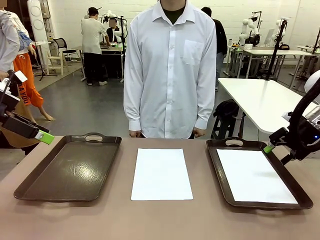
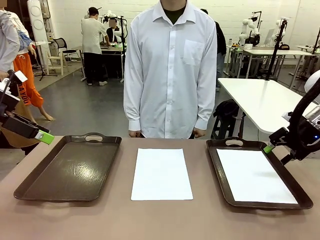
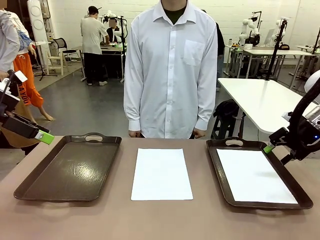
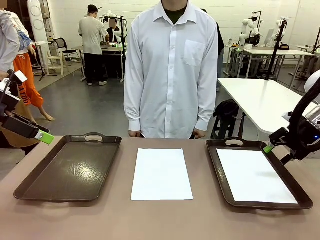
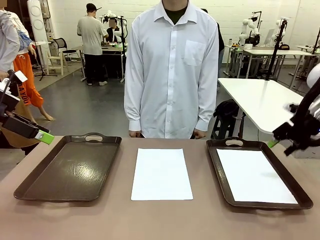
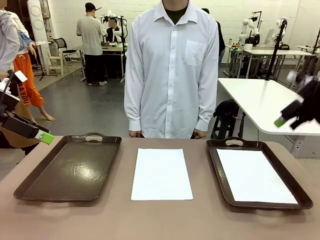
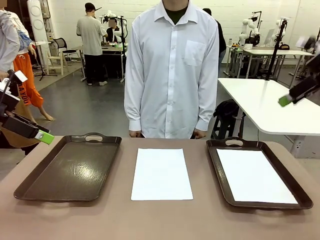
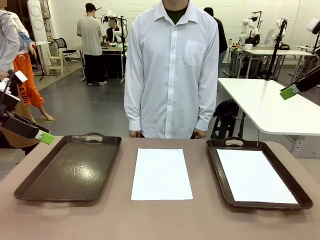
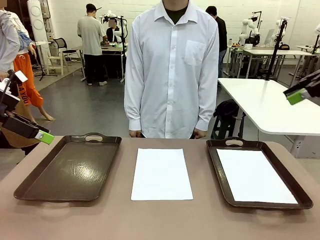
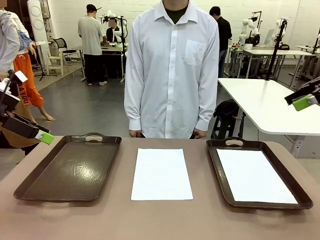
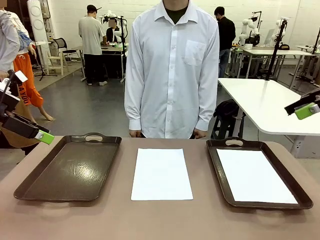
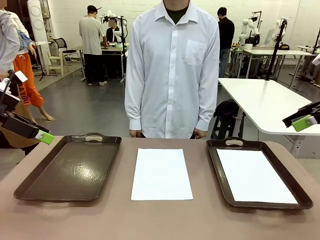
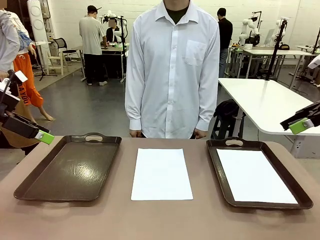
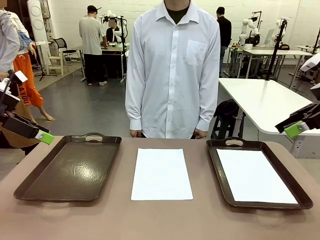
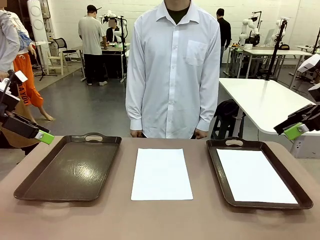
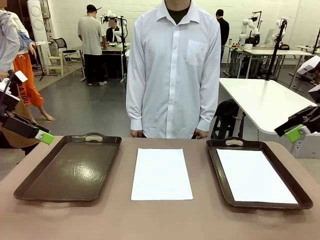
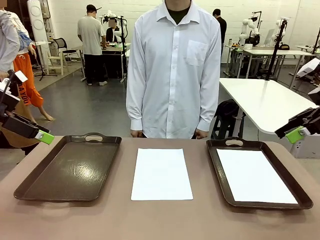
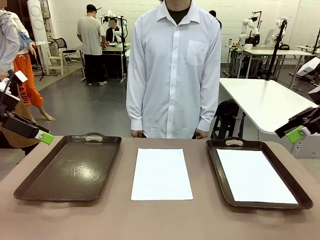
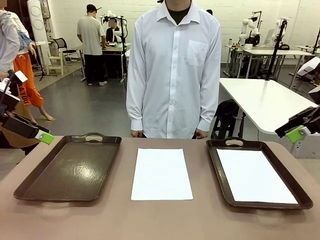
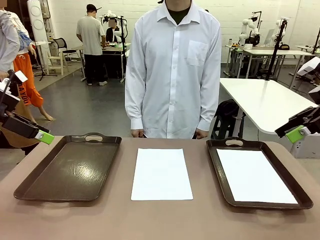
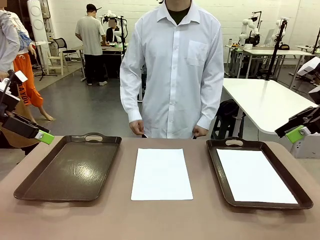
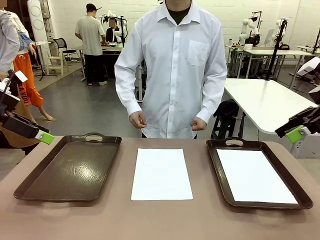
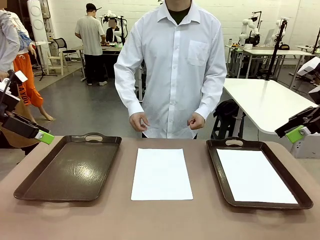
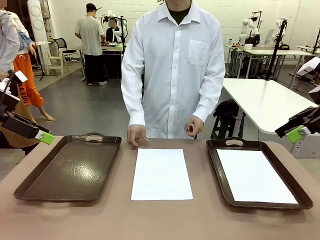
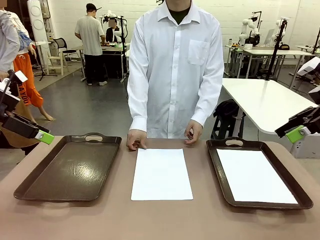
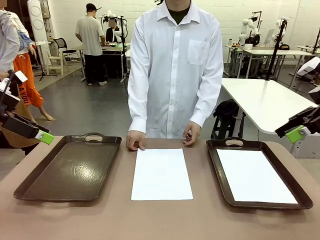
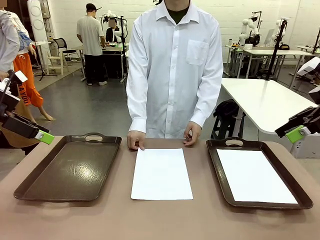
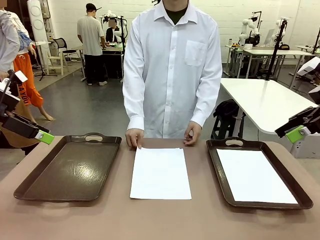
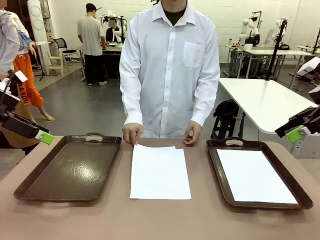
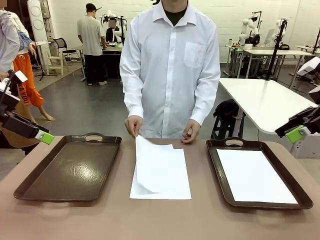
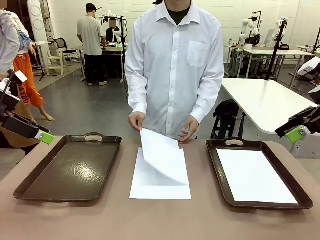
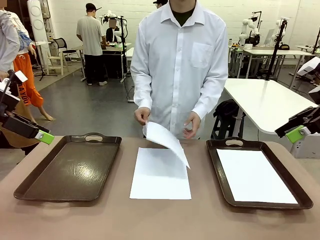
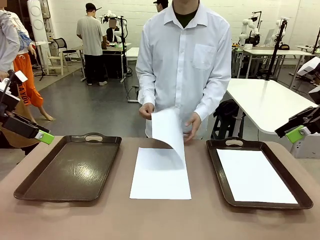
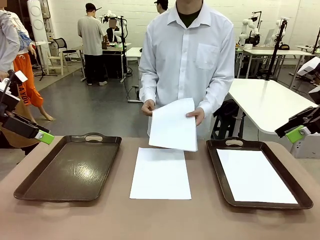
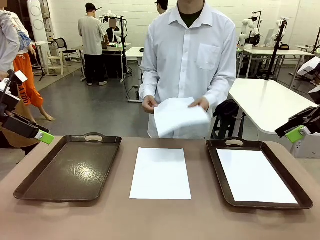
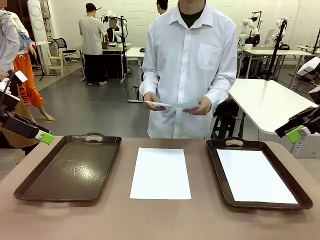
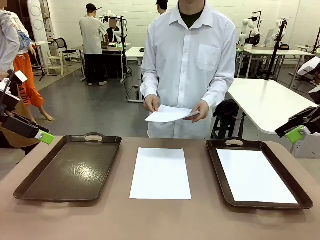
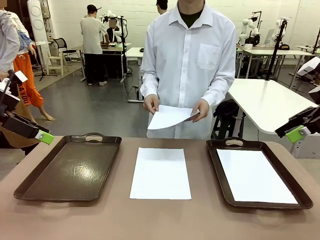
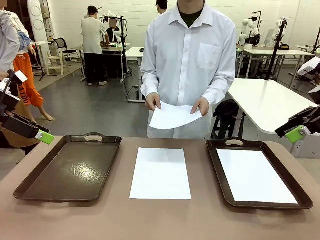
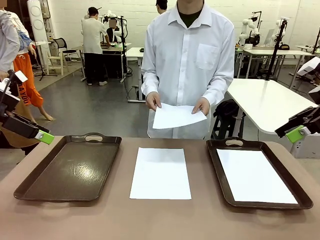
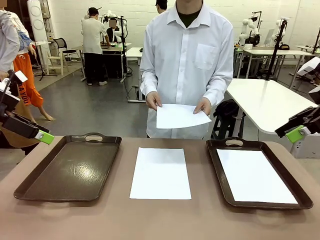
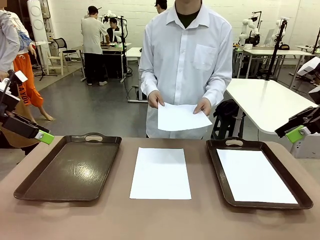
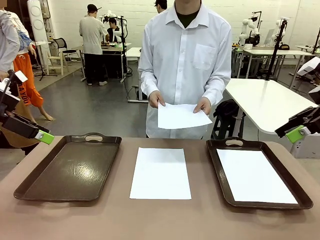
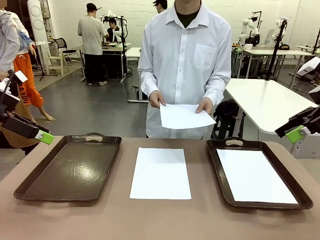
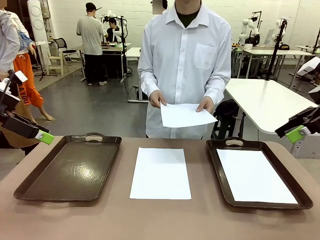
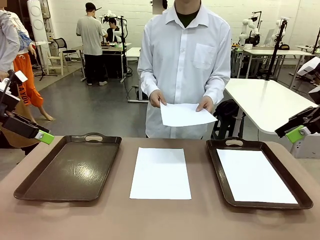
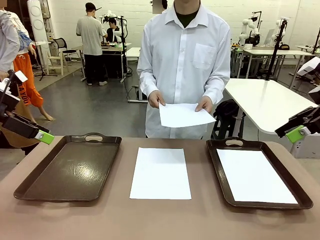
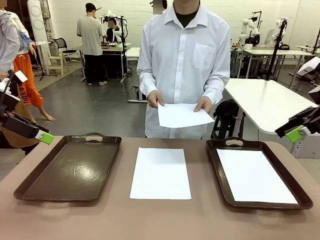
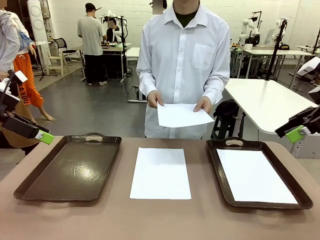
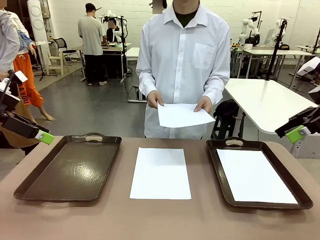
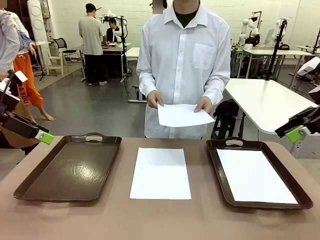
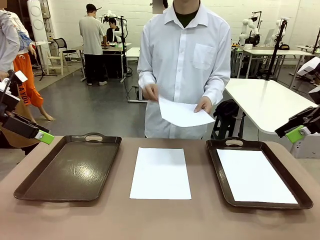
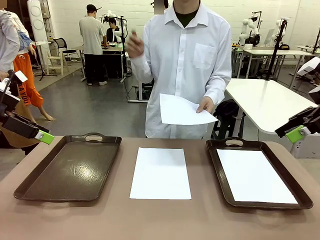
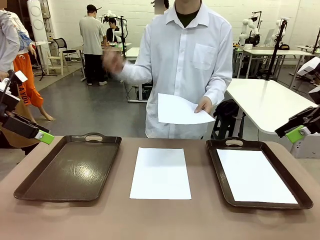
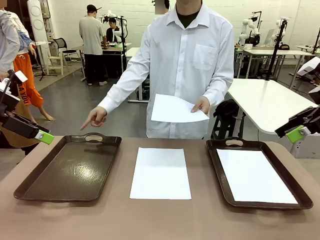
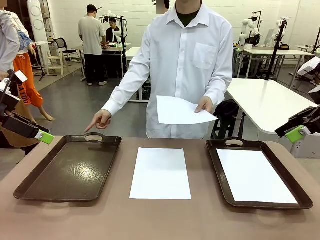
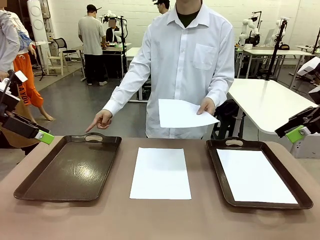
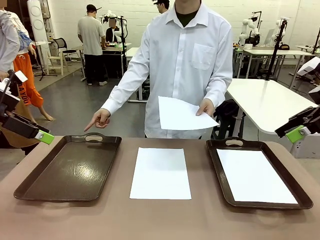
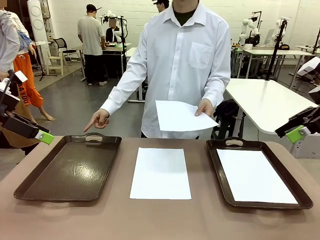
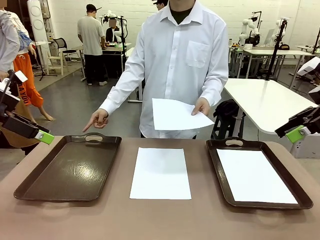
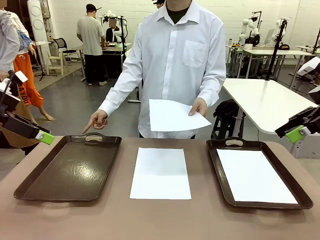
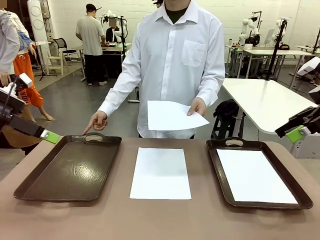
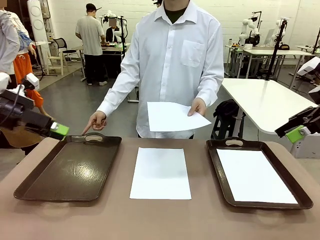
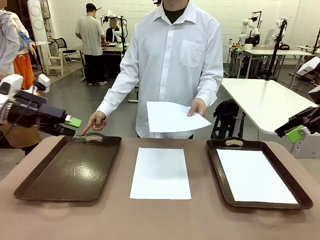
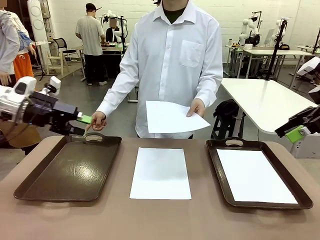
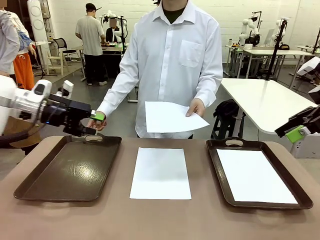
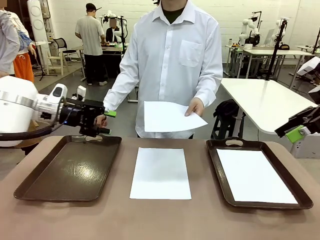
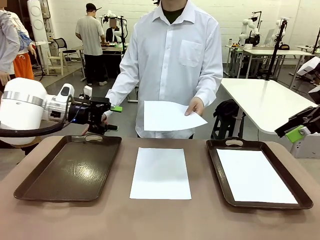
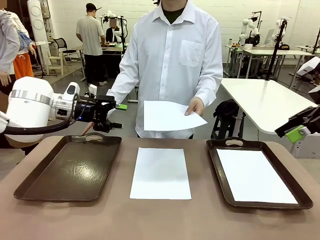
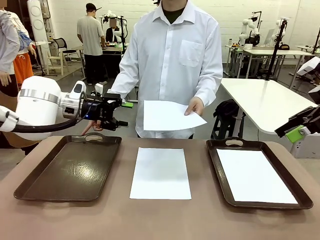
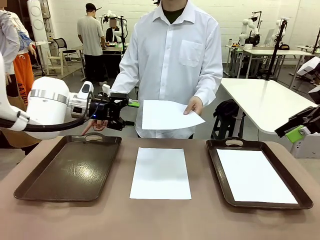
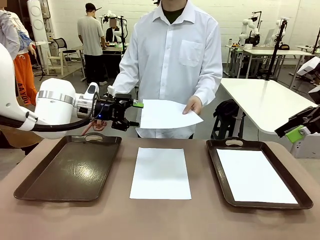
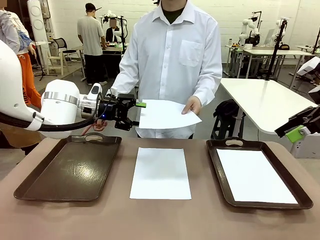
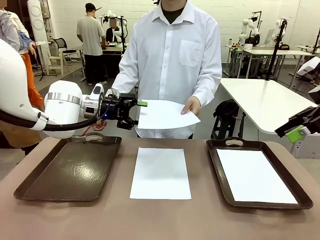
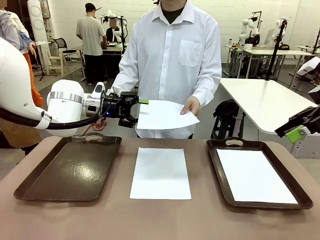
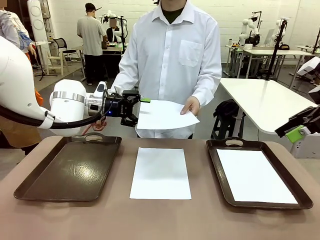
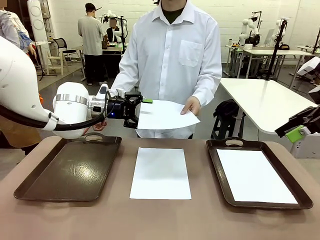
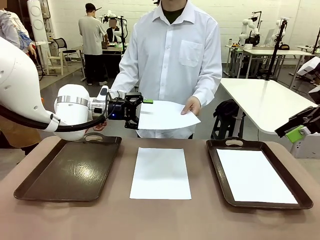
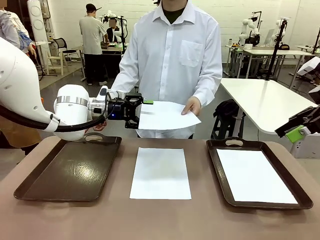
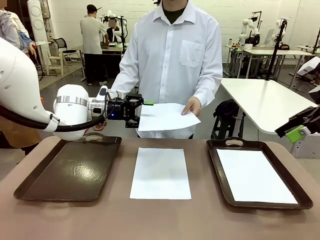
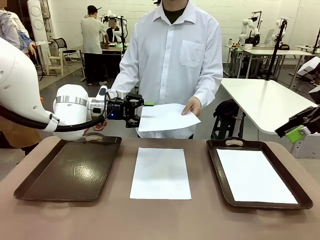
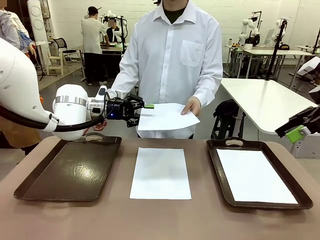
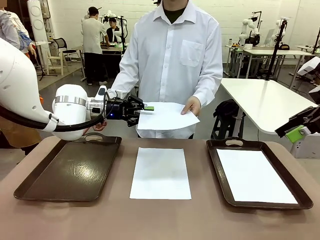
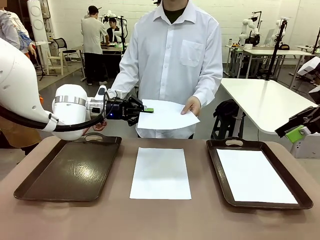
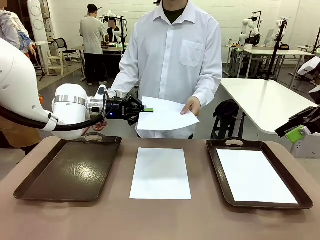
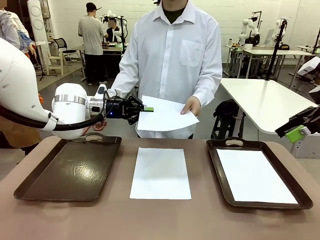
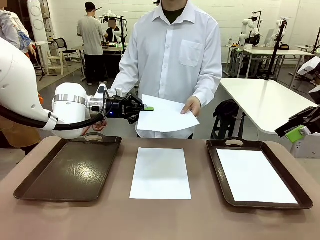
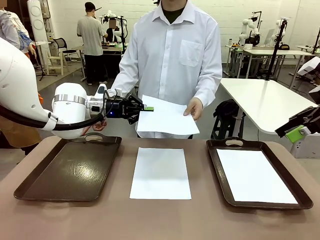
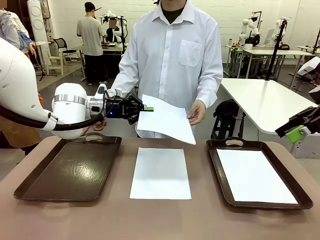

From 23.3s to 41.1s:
Task: Sort the A4 documents.
Robot: Receive the A4 Paper.
Person: Point the randomly selected tray with the other hand.

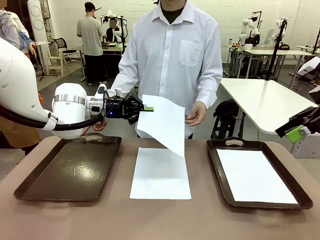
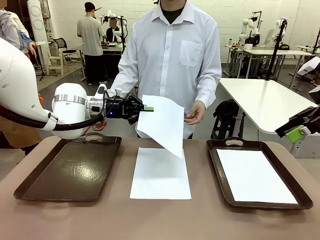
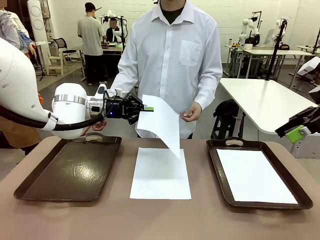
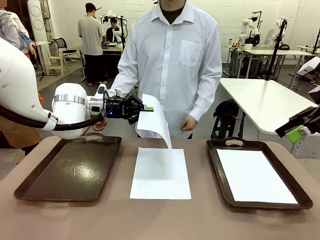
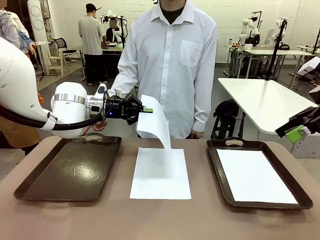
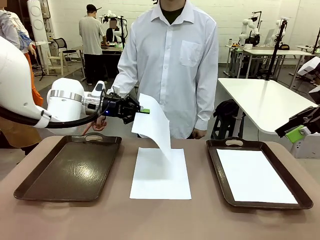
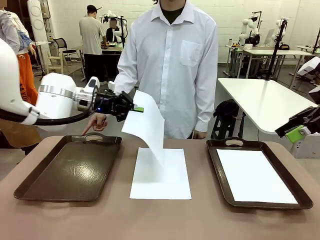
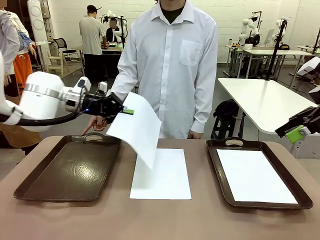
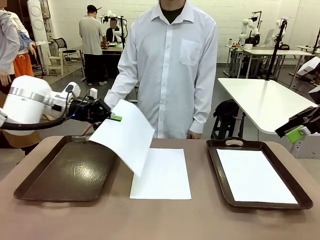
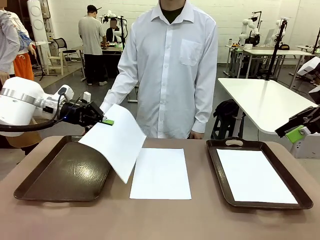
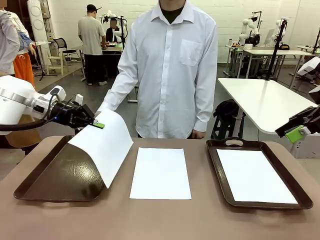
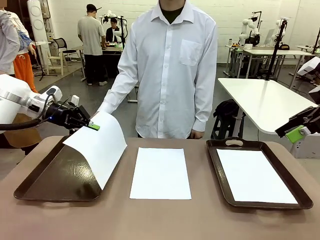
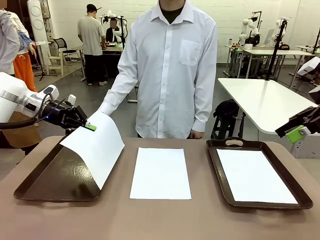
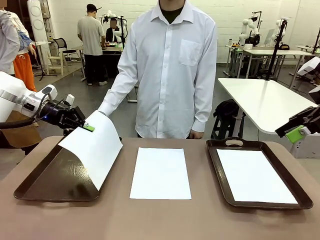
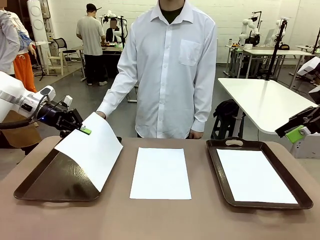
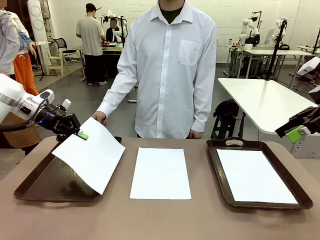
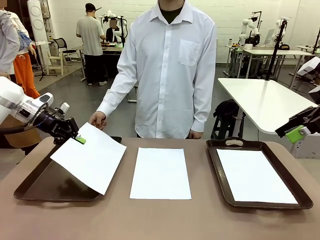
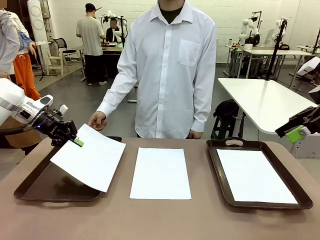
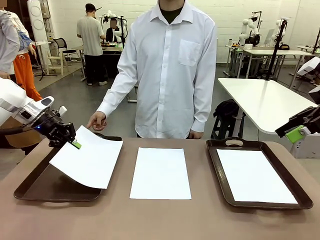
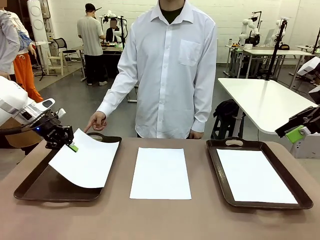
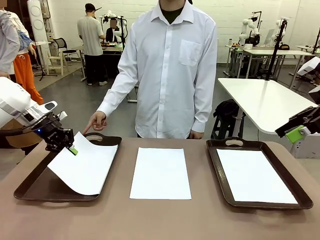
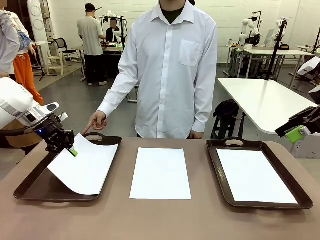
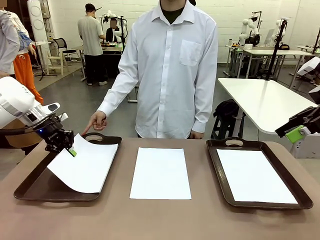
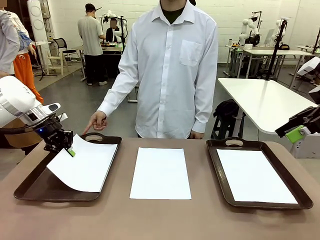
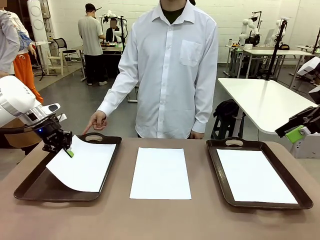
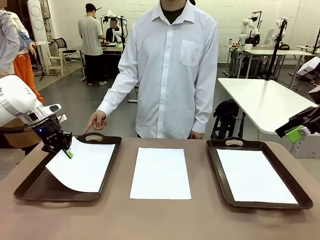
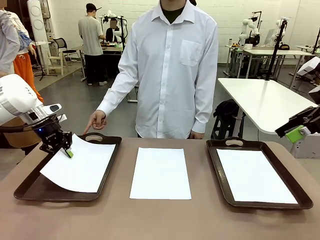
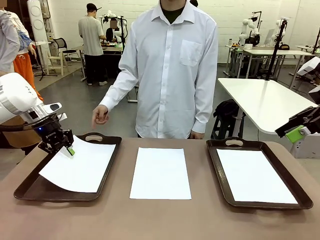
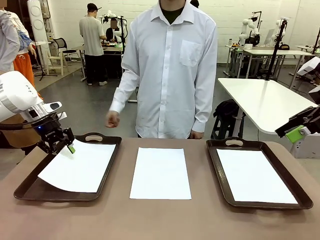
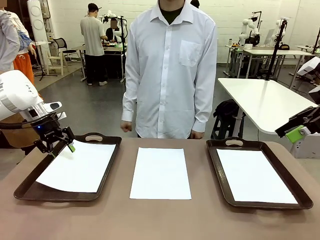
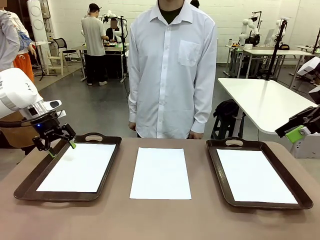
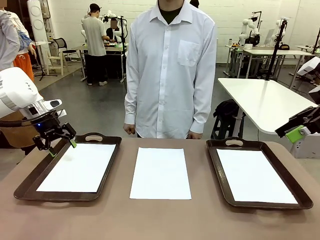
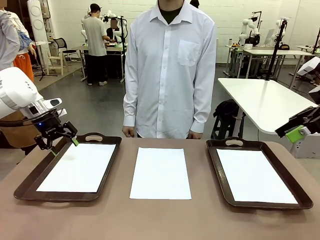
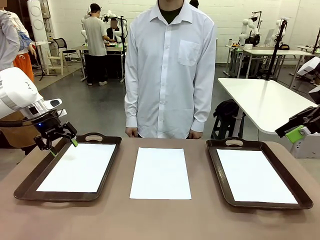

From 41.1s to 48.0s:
Robot: Place the A4 Paper in the designated Handle tray.
